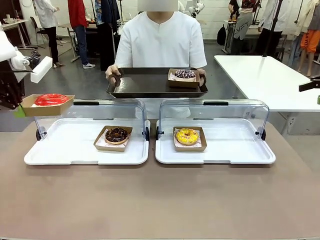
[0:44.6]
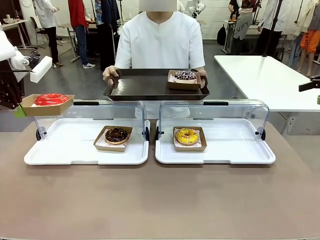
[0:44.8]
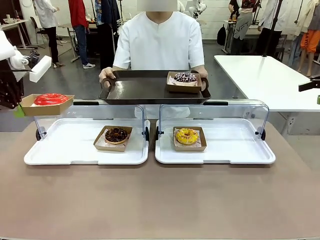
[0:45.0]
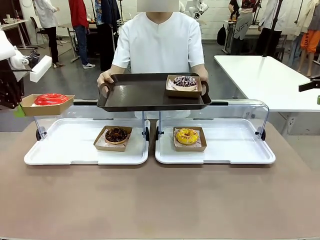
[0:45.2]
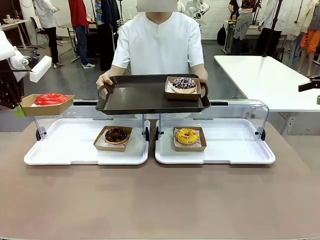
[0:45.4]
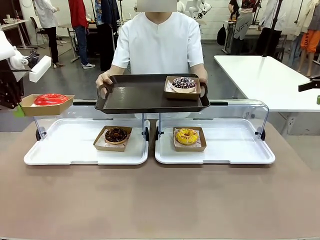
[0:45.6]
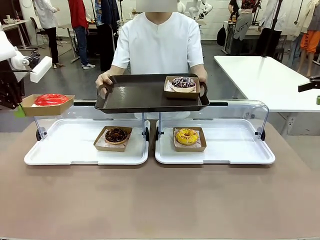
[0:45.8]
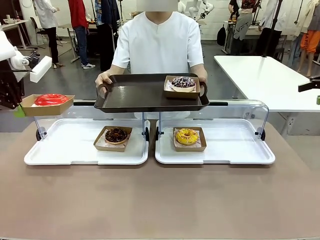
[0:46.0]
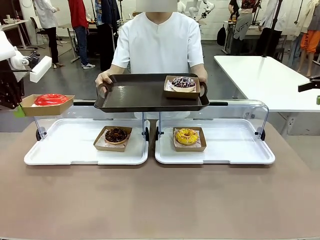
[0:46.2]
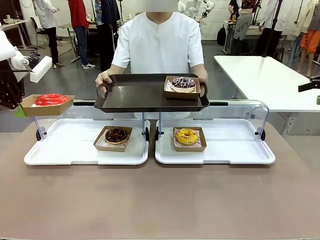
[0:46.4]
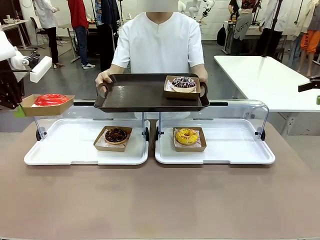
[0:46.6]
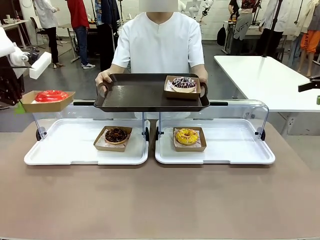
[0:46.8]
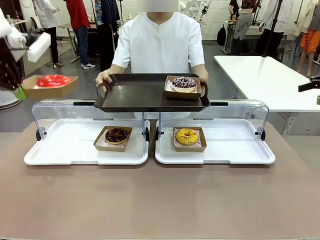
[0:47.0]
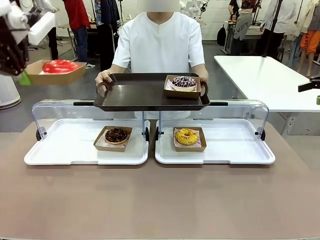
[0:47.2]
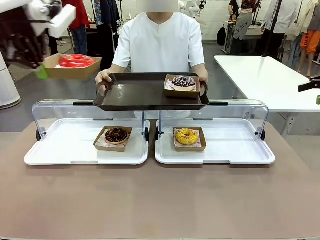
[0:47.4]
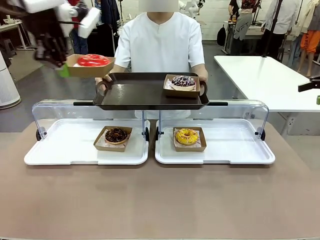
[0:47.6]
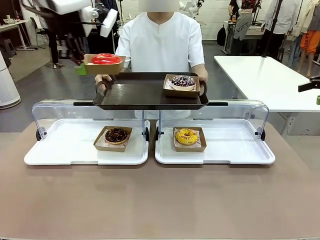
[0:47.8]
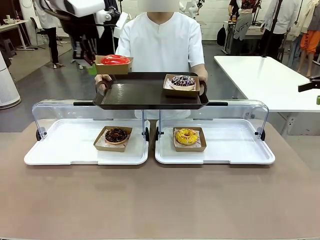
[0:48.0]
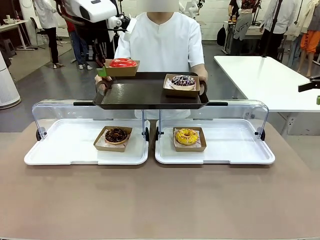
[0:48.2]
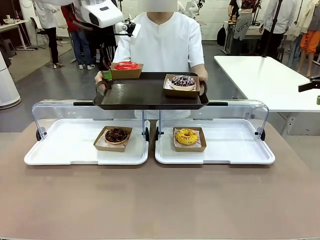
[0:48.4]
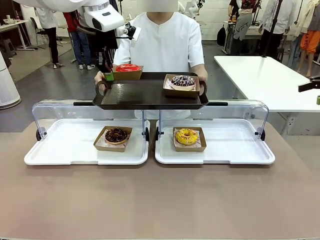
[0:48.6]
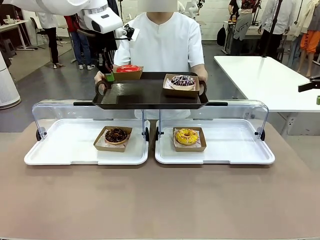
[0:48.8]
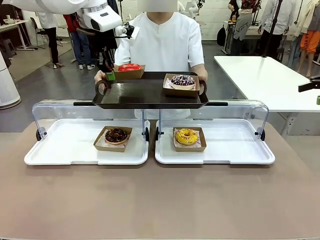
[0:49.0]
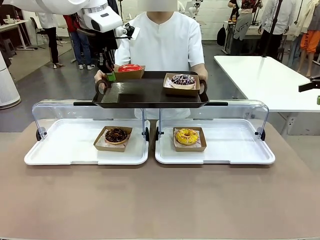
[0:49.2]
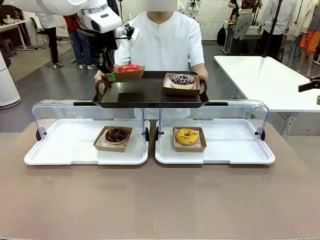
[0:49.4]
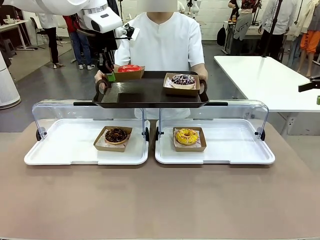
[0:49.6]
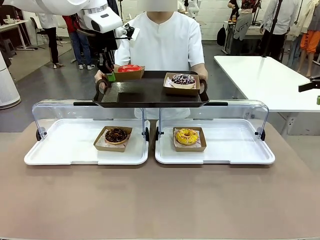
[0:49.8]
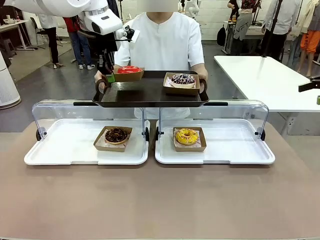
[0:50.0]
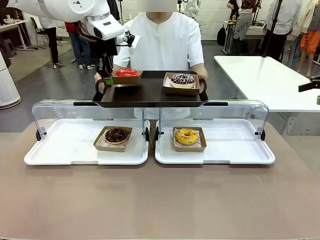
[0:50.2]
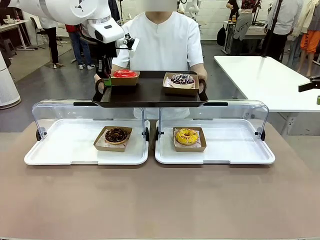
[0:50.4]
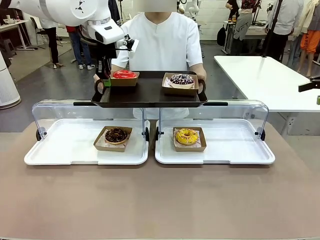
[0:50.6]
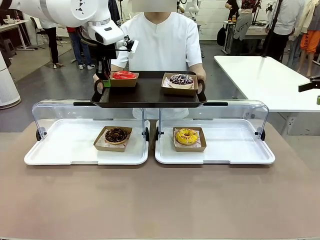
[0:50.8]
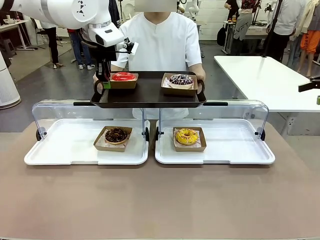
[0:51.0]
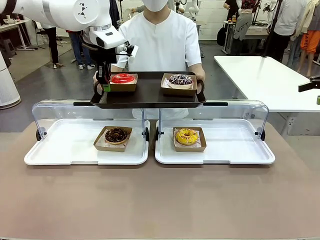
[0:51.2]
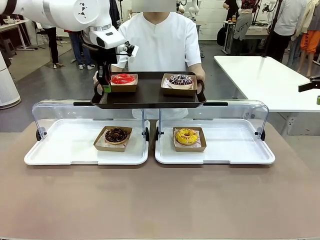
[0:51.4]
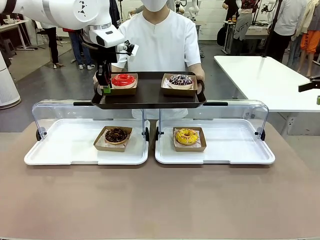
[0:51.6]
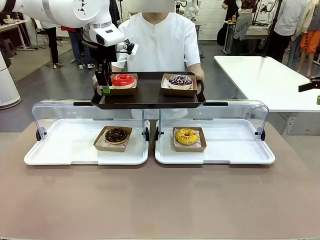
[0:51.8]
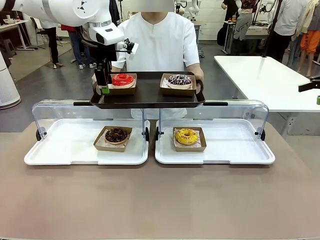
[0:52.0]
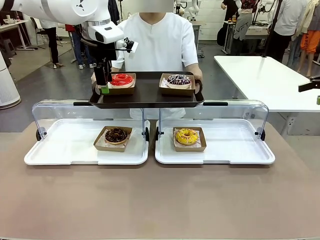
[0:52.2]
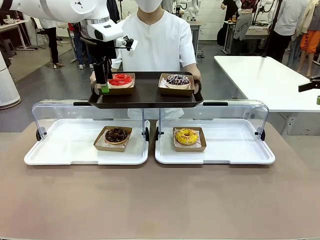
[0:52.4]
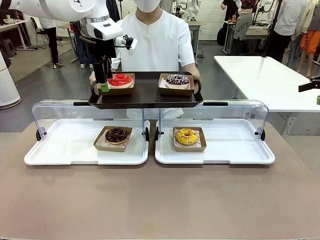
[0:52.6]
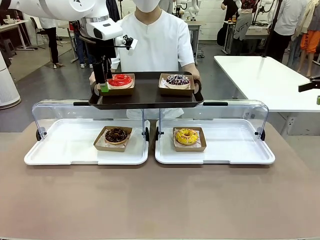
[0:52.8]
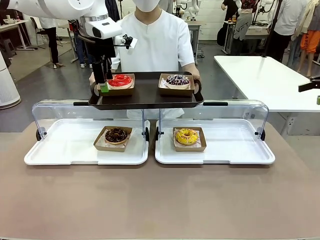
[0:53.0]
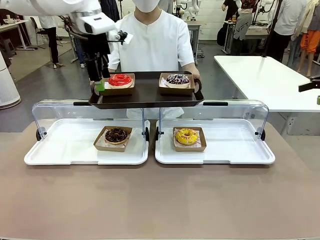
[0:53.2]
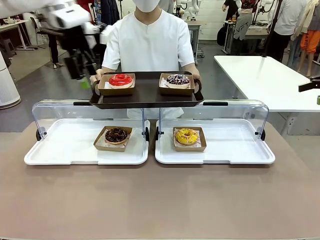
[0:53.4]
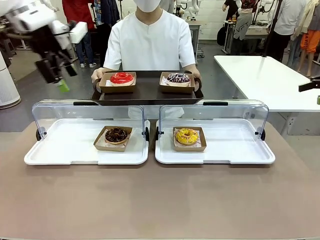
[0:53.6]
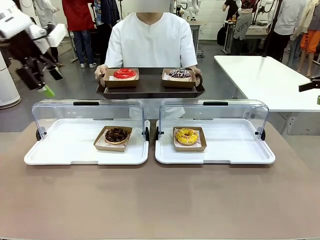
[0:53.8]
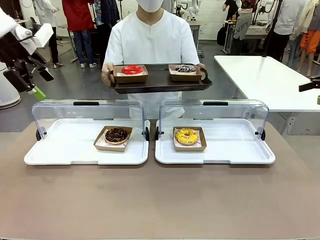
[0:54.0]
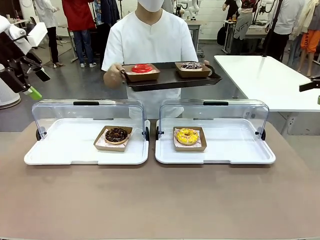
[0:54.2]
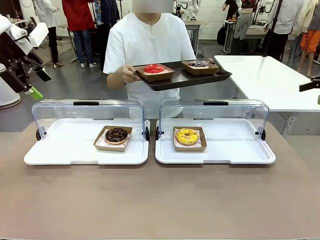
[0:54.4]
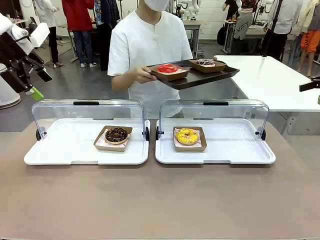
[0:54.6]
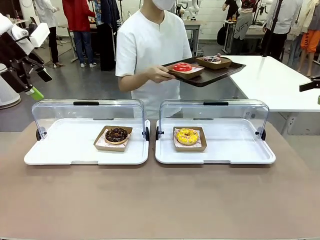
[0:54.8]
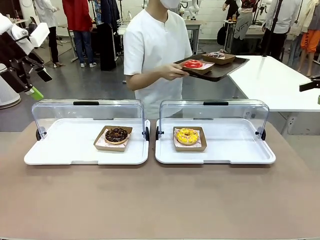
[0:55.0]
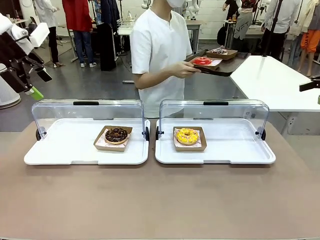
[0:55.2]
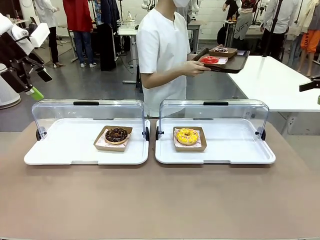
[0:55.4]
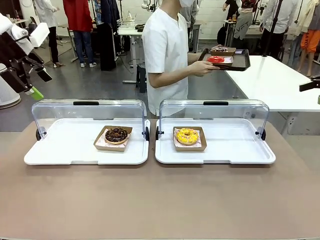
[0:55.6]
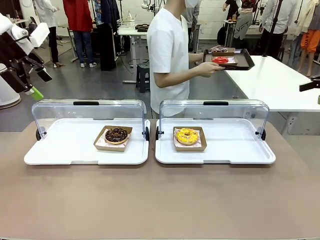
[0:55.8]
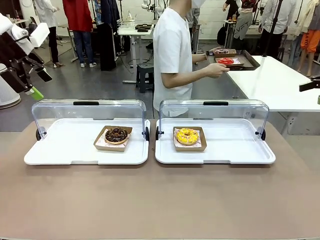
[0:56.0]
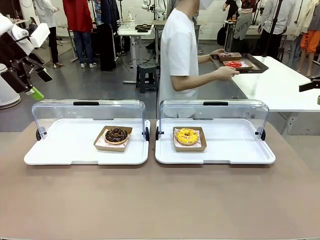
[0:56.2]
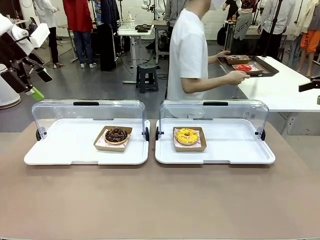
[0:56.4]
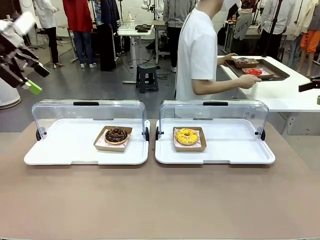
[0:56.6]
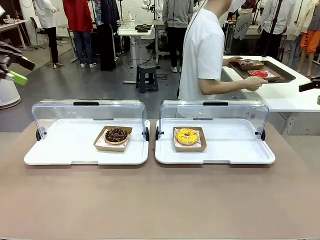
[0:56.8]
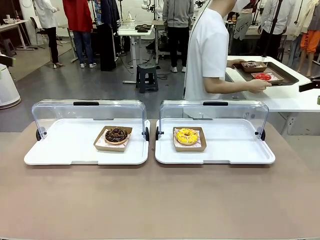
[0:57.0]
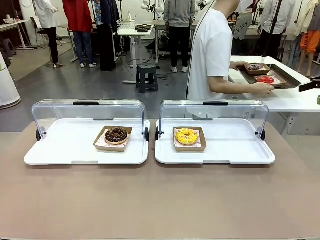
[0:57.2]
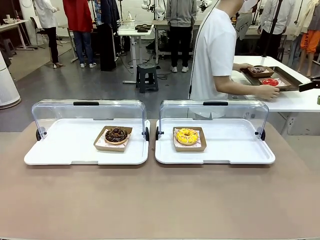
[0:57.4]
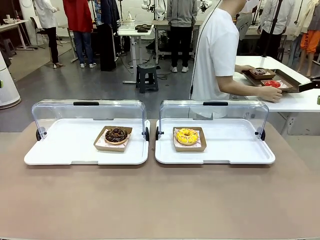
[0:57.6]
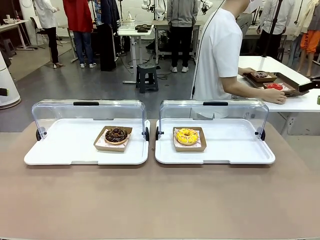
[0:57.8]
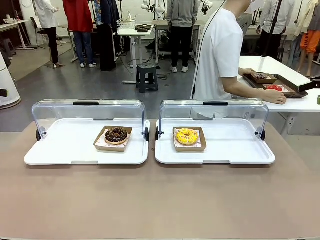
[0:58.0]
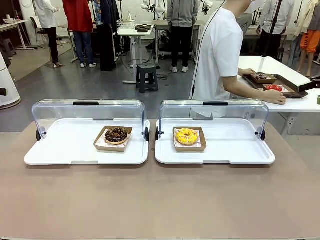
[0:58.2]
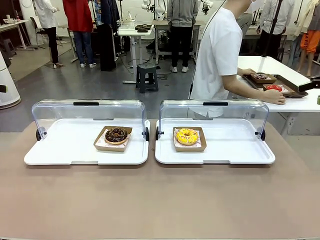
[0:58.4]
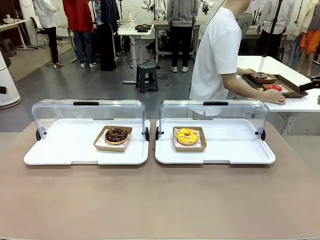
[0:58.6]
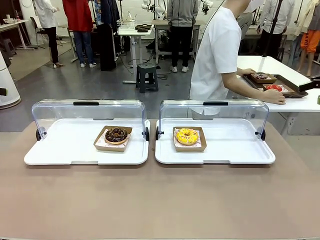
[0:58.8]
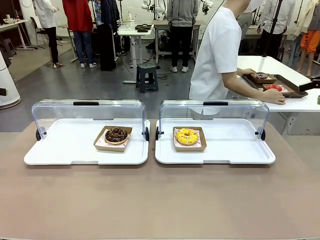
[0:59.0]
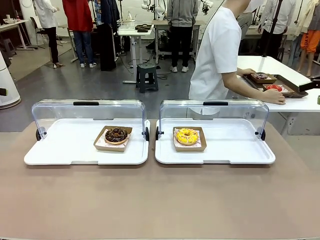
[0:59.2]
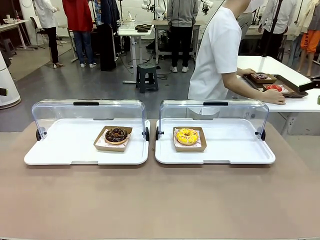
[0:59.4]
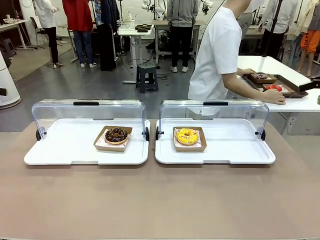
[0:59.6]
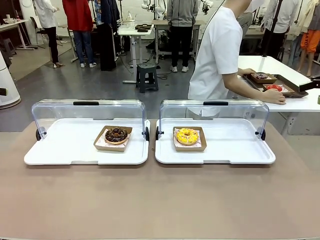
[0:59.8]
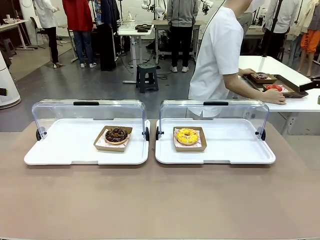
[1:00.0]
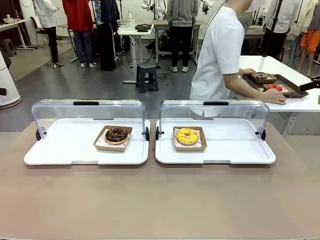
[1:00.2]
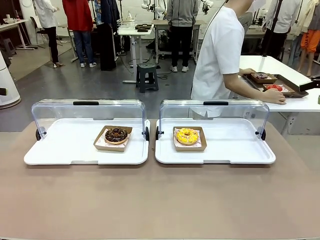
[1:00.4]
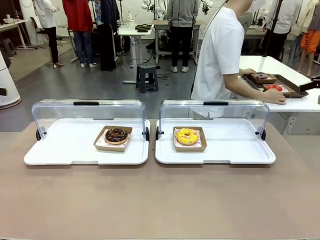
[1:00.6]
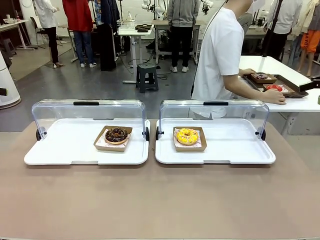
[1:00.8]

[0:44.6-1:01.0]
Task: Provide the desired donut to the person.
Robot: Place the picked Paper togo box onto the Handle tray extended by the person.
Person: Lift the tray onto the Roll-Top Bakery Case. Place the tray in the middle of the human table.
